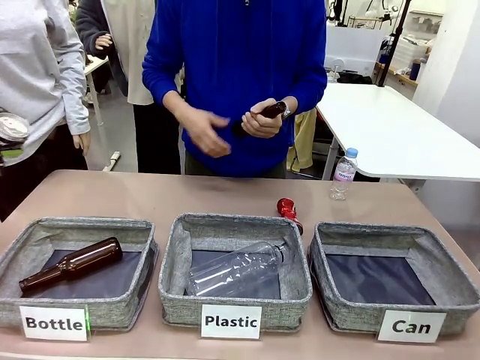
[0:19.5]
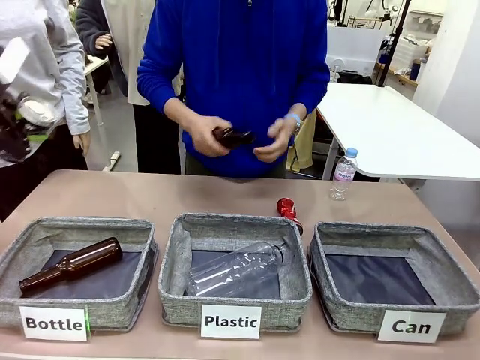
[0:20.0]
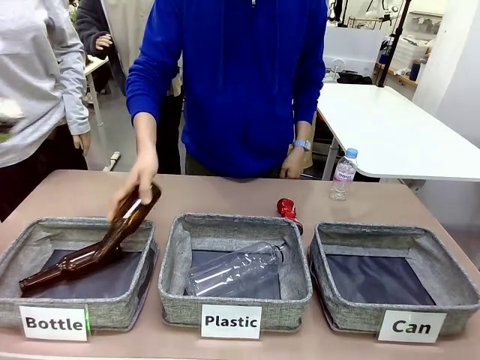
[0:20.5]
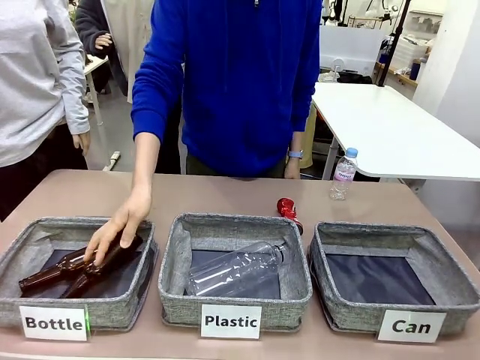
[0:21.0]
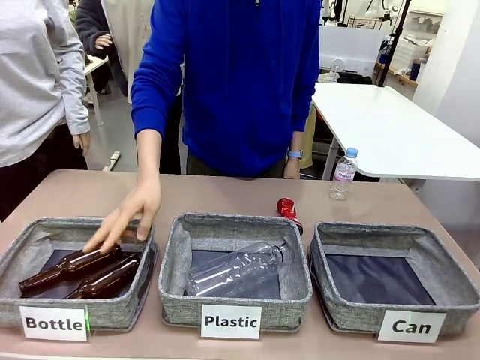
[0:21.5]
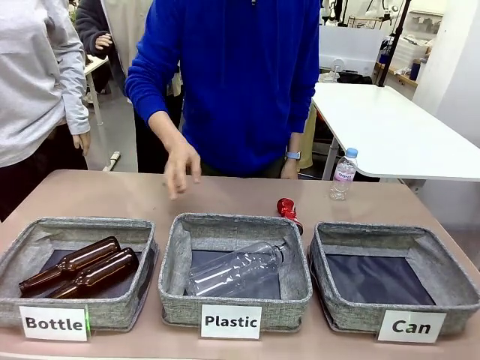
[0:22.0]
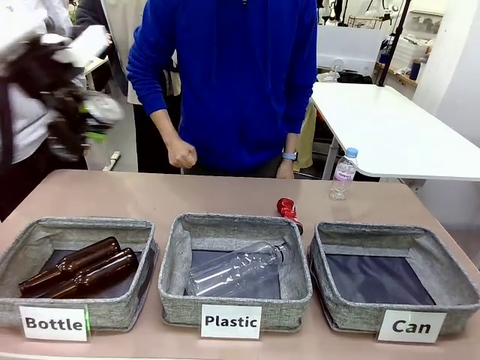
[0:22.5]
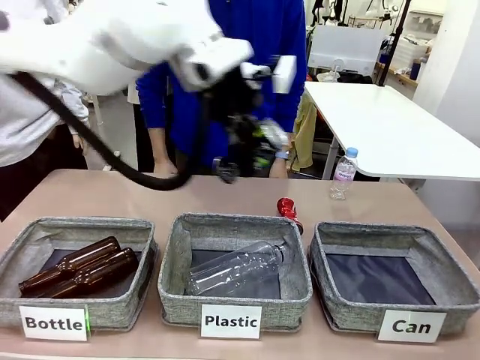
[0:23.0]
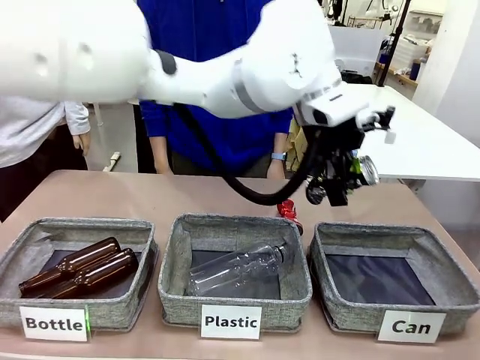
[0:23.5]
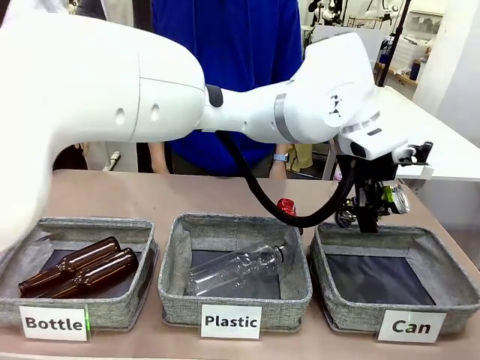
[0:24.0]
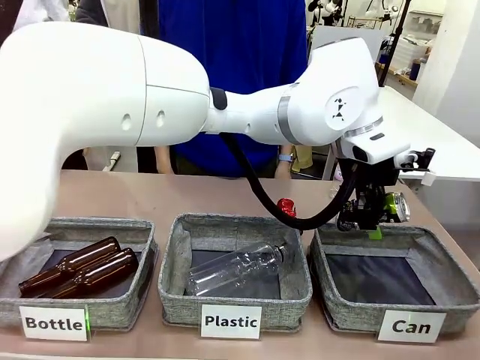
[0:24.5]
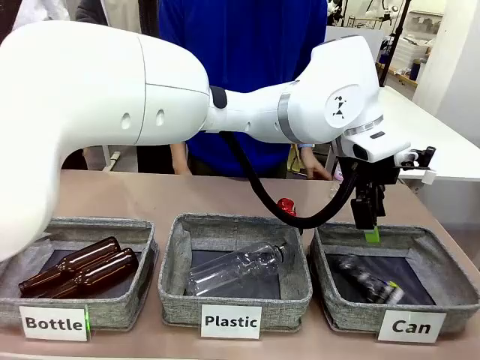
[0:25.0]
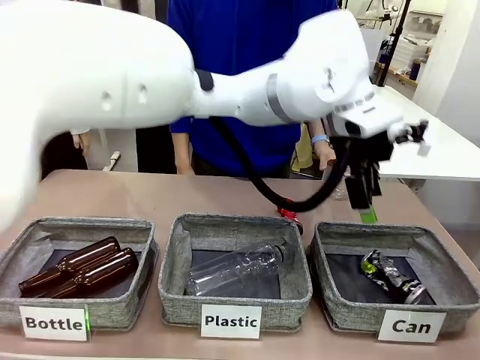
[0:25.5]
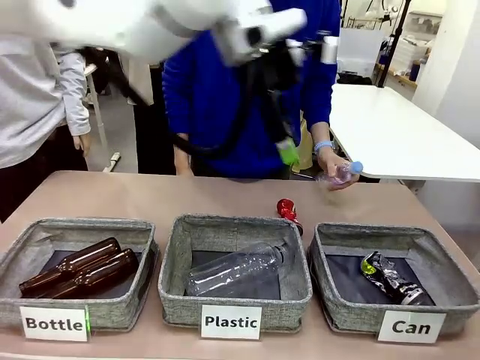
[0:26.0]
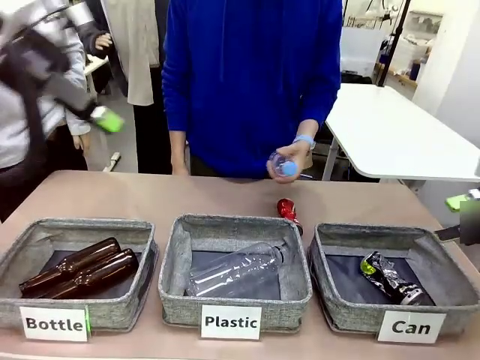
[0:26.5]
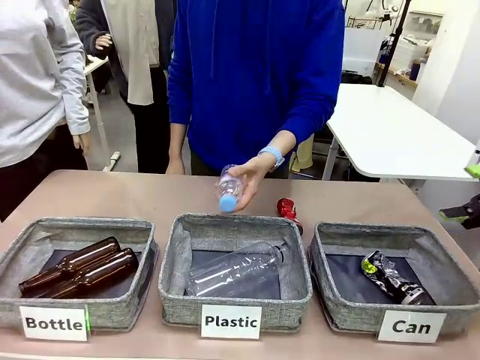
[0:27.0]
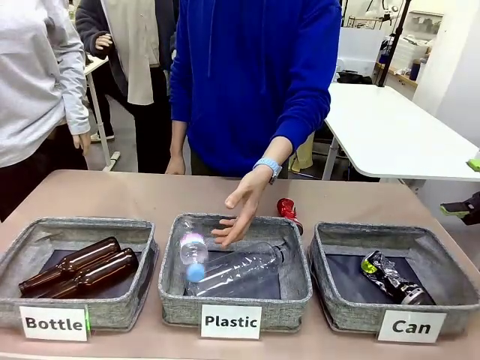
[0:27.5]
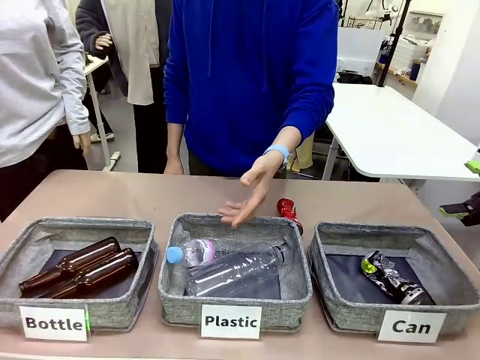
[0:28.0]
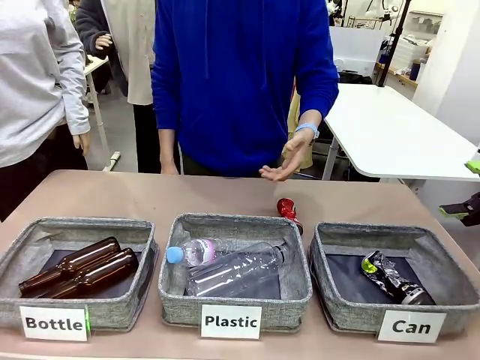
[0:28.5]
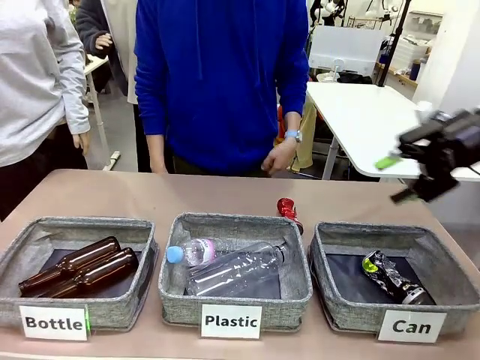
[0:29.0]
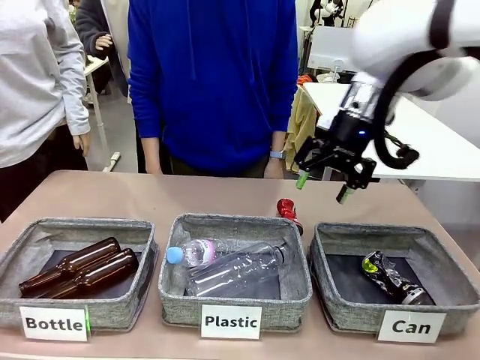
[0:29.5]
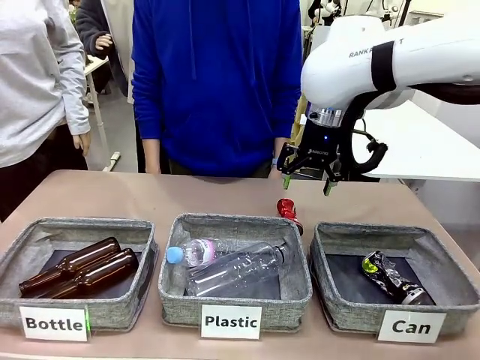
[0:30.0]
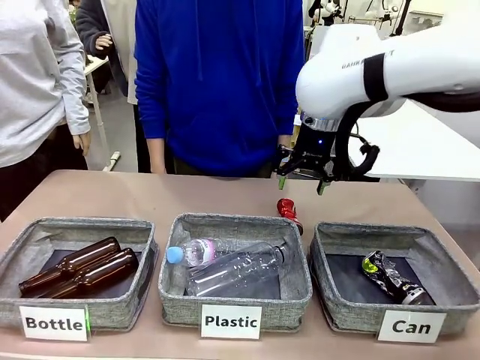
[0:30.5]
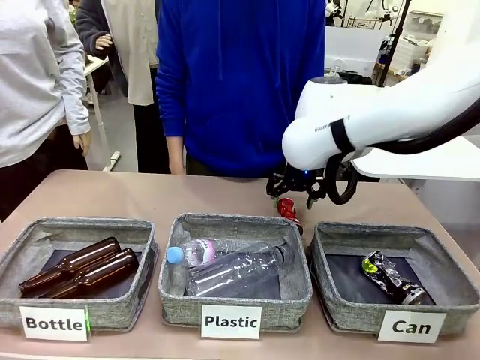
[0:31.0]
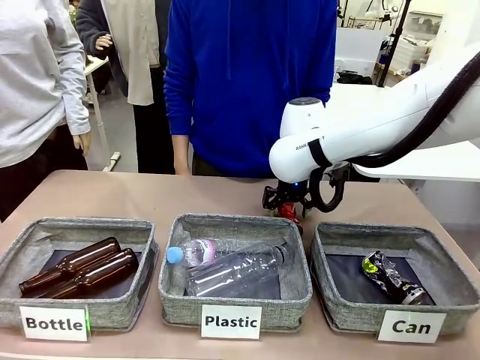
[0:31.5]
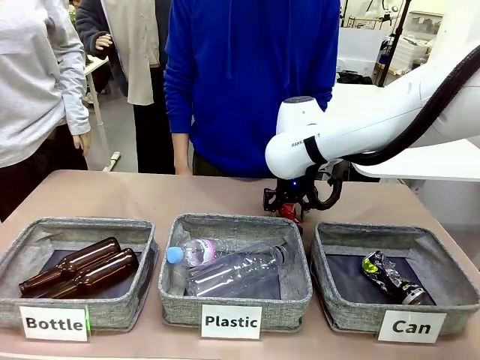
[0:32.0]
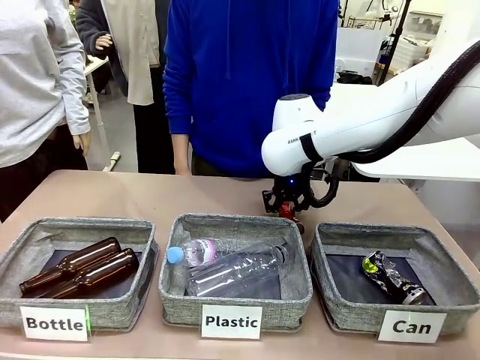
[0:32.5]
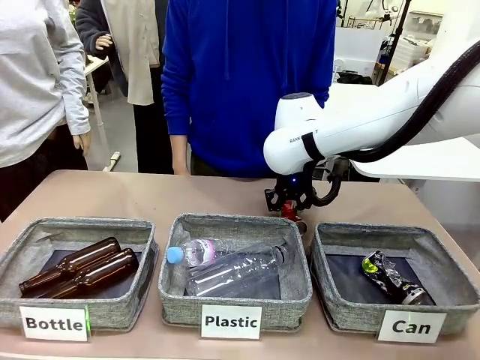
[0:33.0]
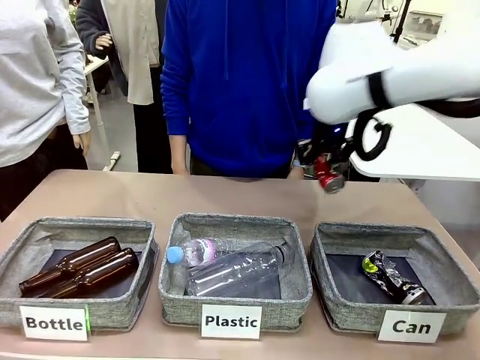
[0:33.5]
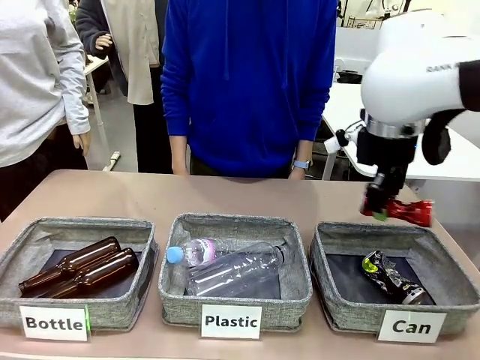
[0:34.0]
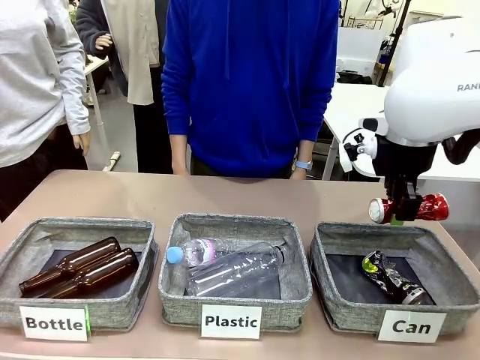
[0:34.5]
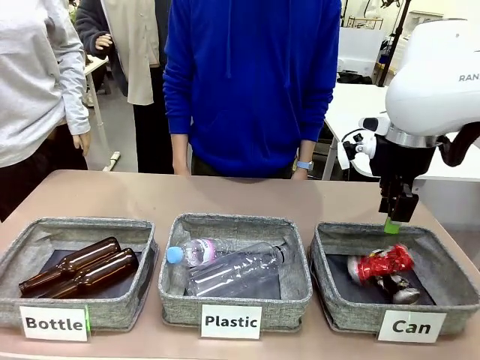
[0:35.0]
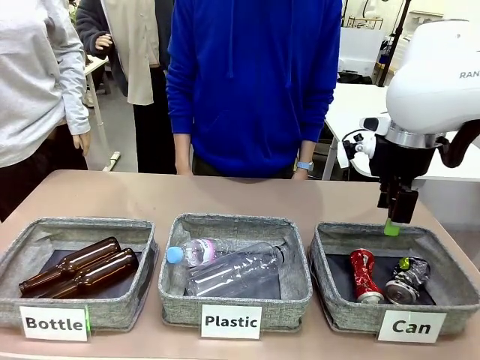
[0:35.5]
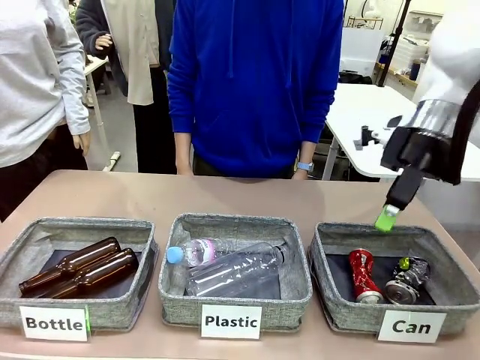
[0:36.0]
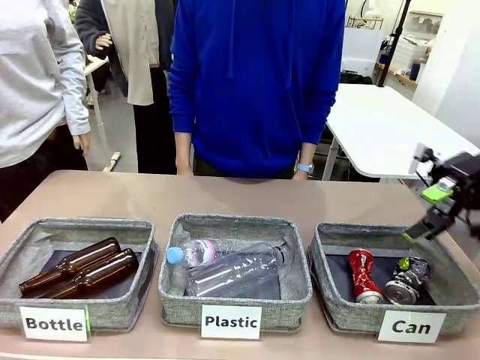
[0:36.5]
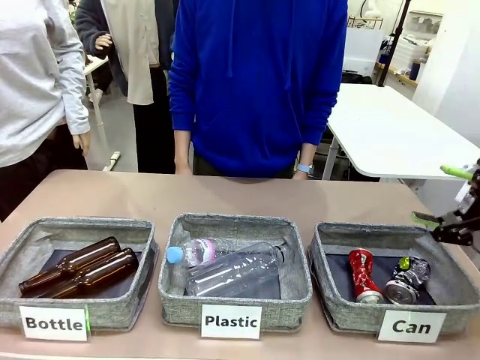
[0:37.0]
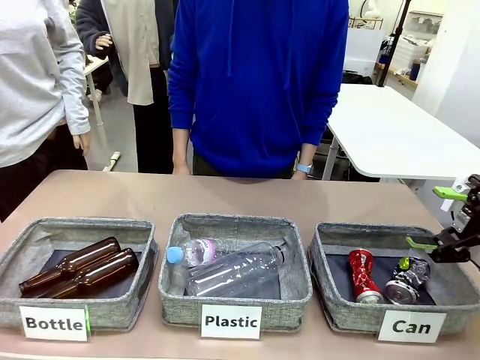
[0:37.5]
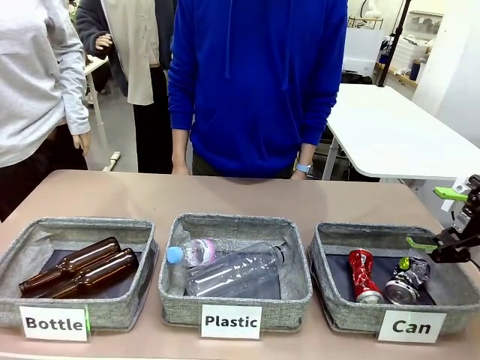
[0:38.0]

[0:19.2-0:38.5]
Task: Sort the can waste into the basket.
Robot: Pick up the can waste from the table and place it in the right Fabric basket.
Person: The human picks up one piece of trash that is not a can and places the trash into the appropriate organizing basket.

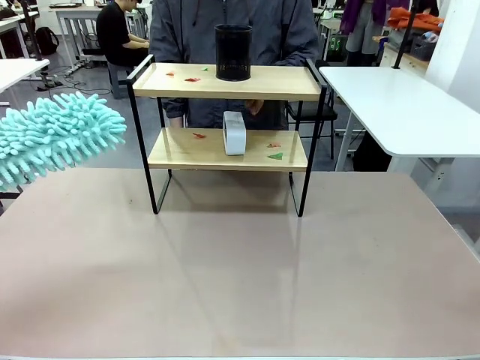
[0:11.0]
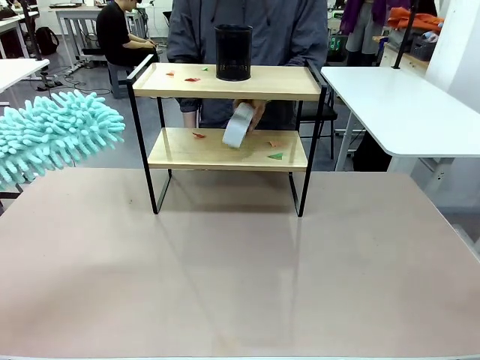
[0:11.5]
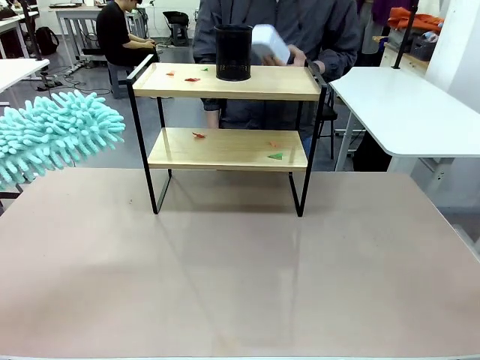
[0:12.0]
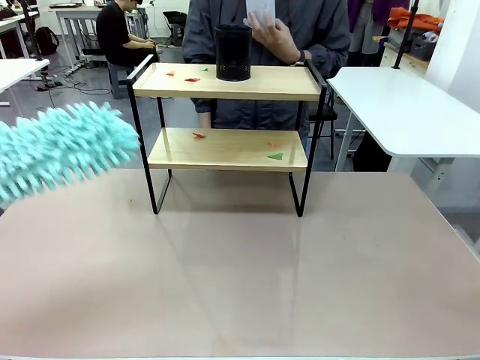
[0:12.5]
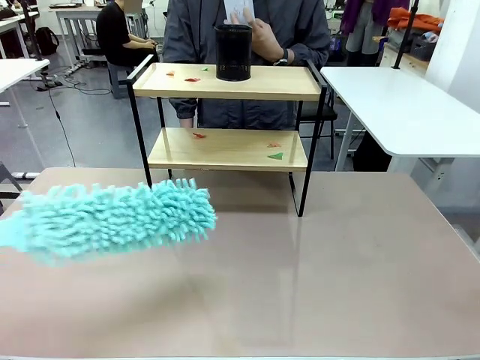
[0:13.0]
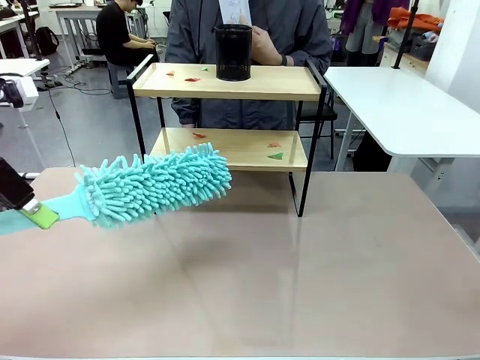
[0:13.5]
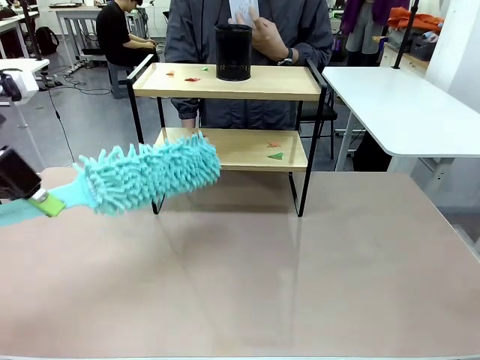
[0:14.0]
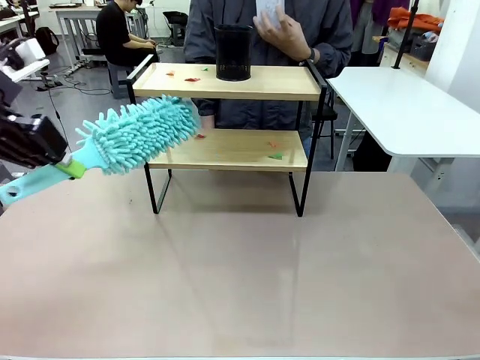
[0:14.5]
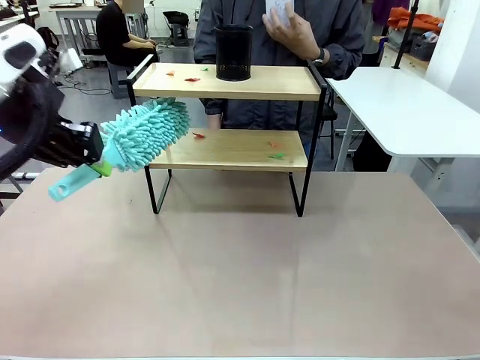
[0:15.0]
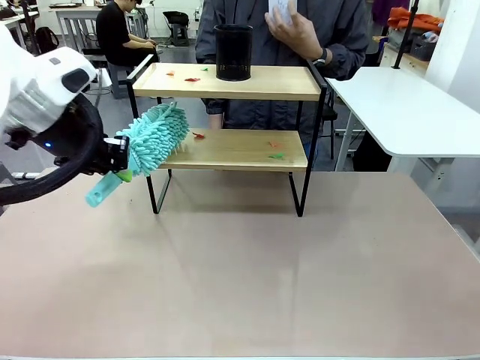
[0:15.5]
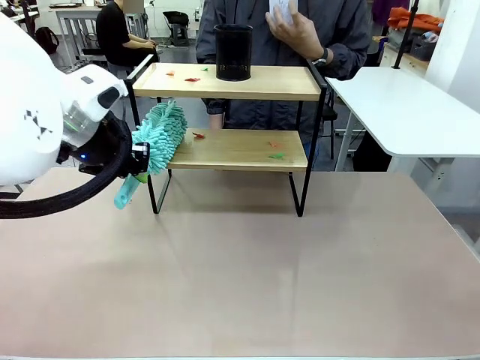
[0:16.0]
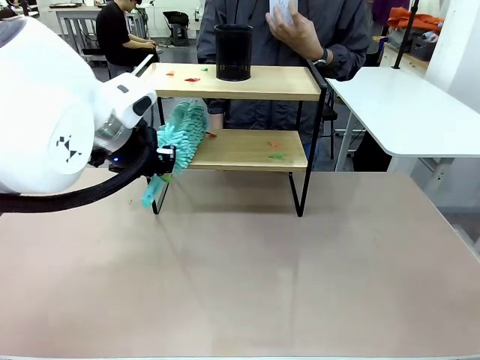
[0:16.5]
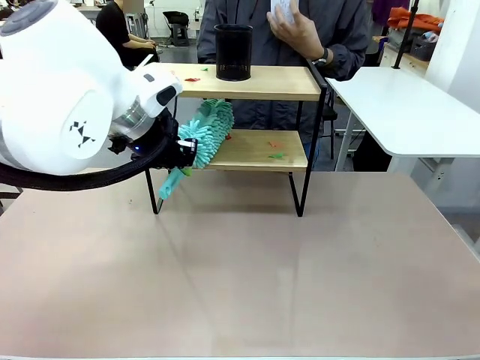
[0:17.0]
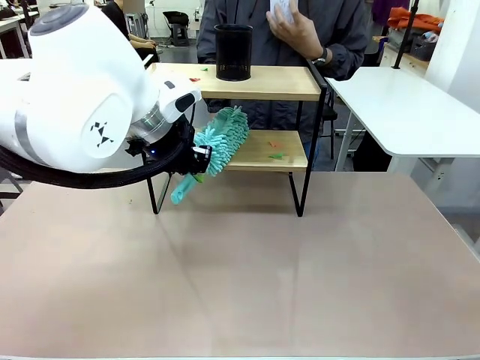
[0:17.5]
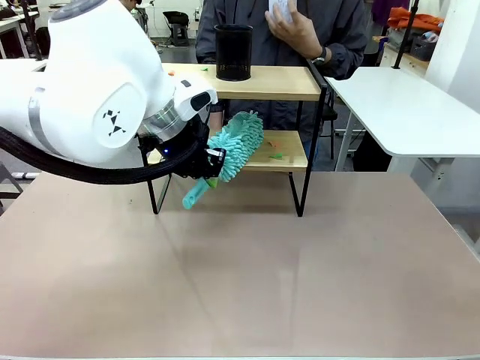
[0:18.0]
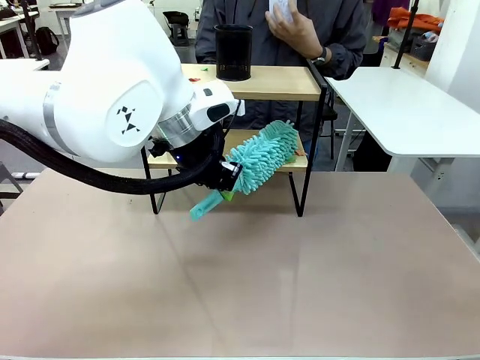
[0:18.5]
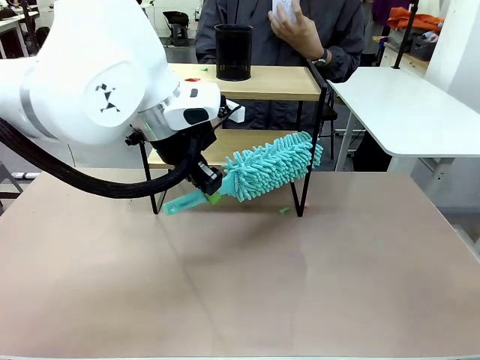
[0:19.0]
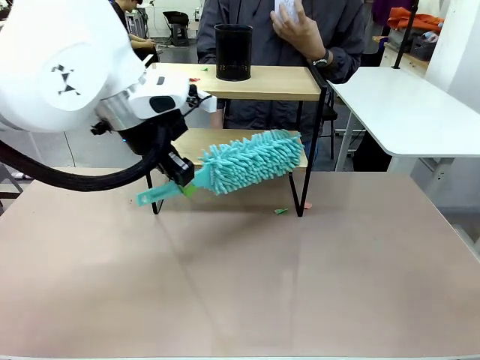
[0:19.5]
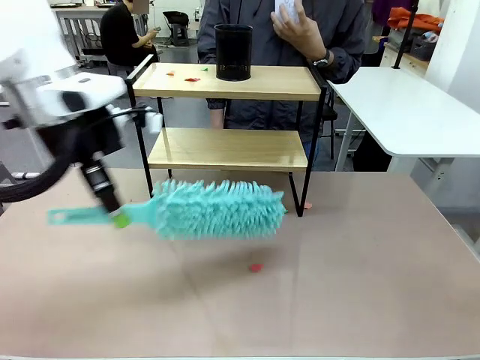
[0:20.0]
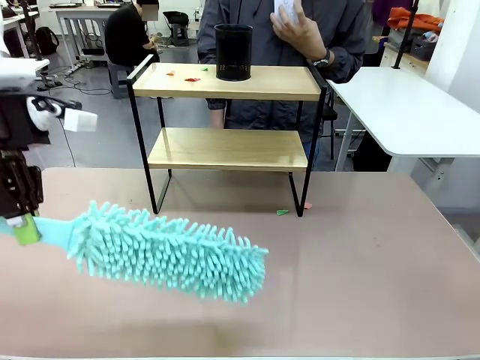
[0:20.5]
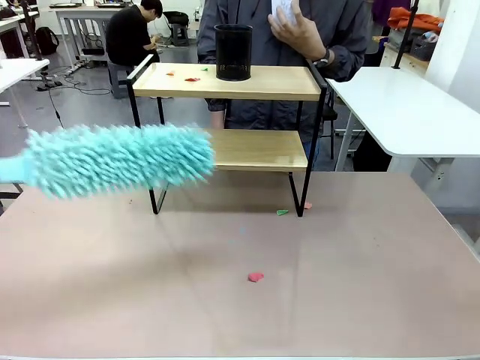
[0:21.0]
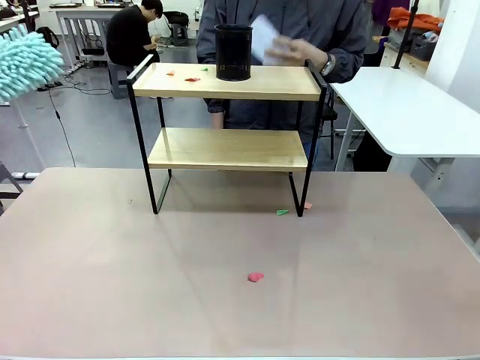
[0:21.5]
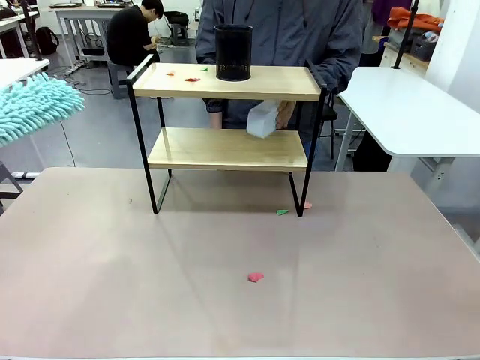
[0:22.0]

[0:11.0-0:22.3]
Task: Clean the shelf.
Robot: Clean the specific tier of the Shelf with the Duster once objects are removed.
Person: Lift the objects on a randomly selected tier of the Shelf. Once the robot finishes cleaning, lift the objects on the remaining tiers of the Shelf.
